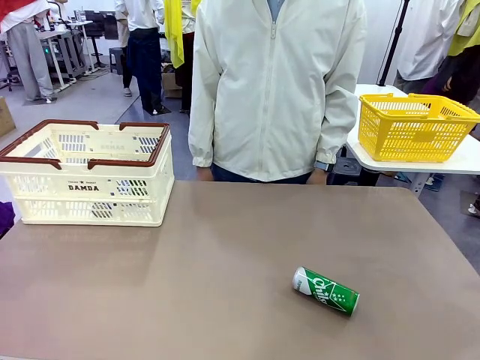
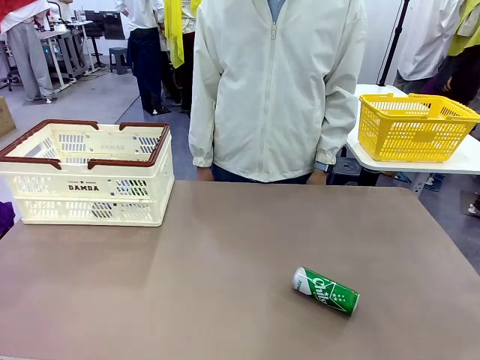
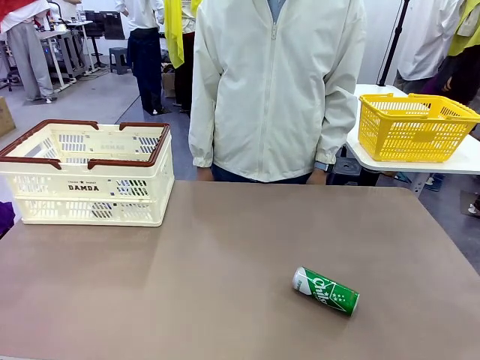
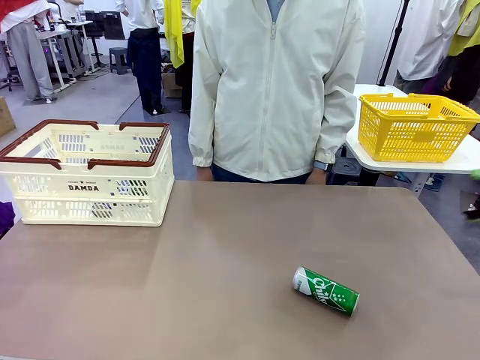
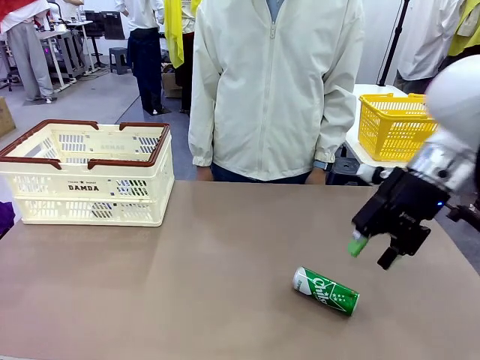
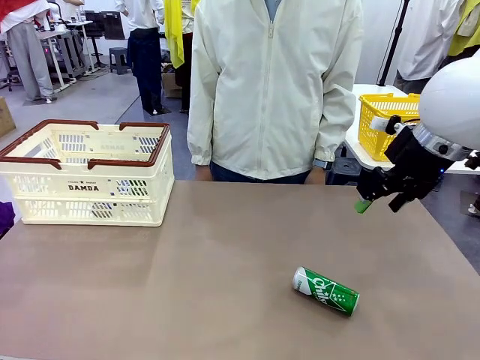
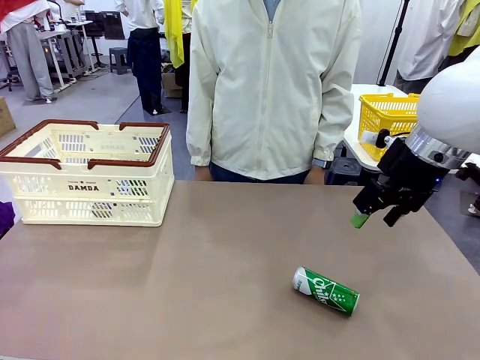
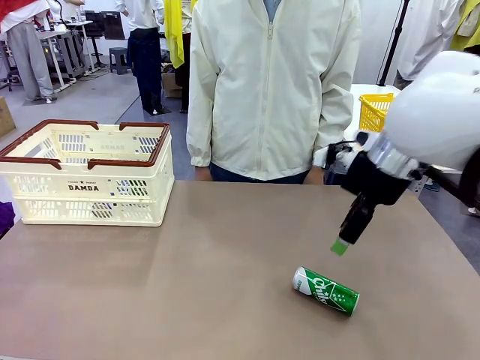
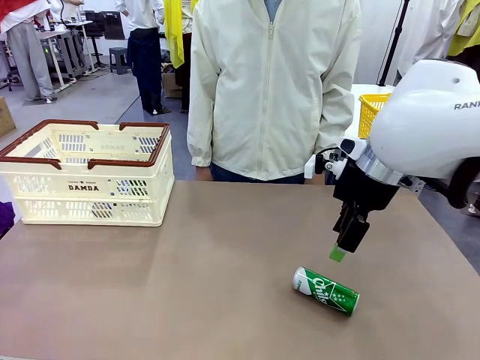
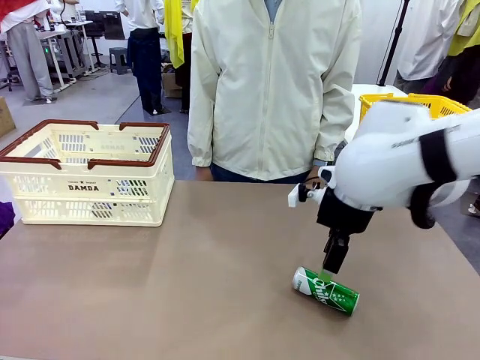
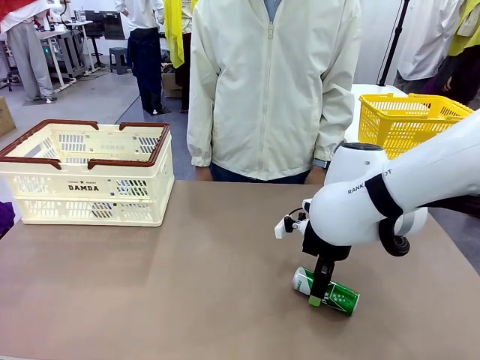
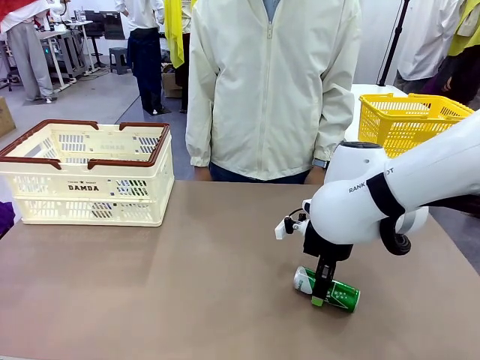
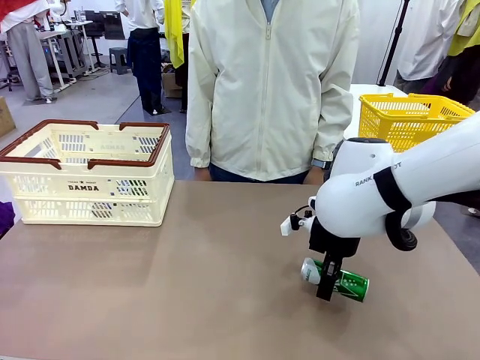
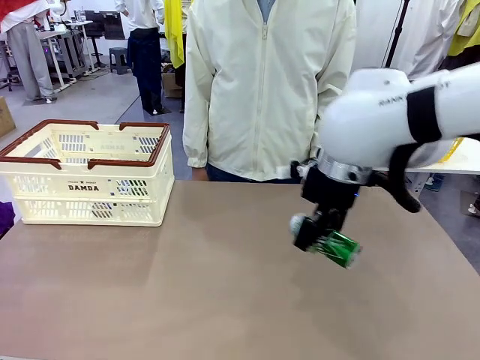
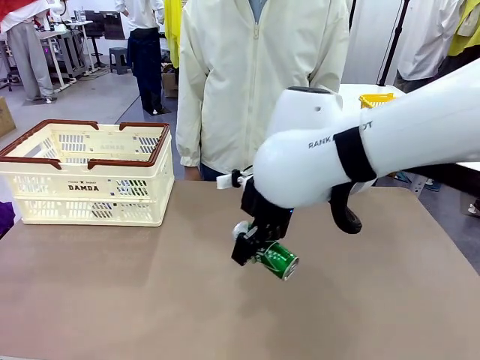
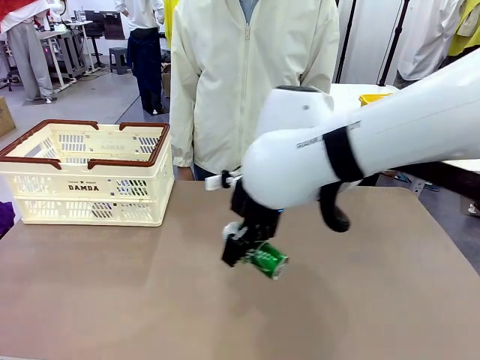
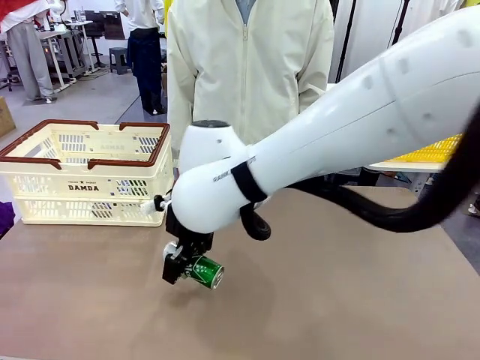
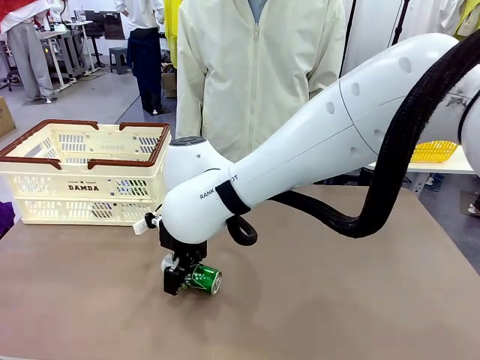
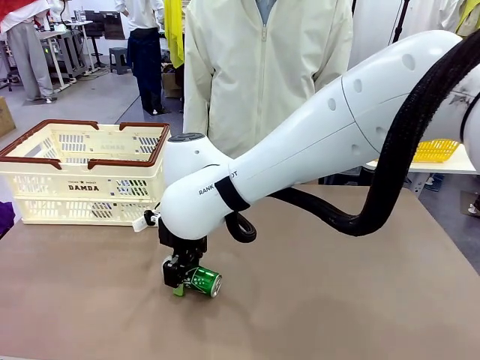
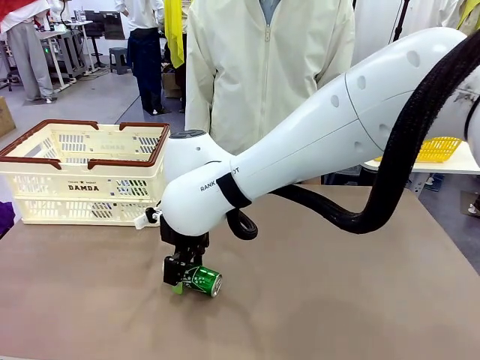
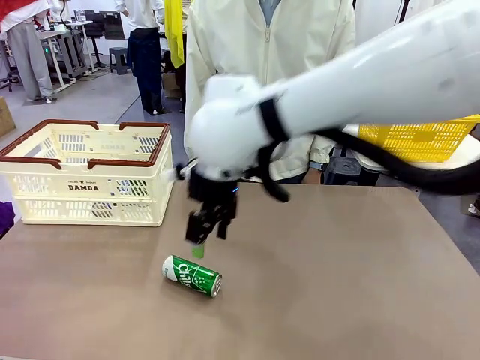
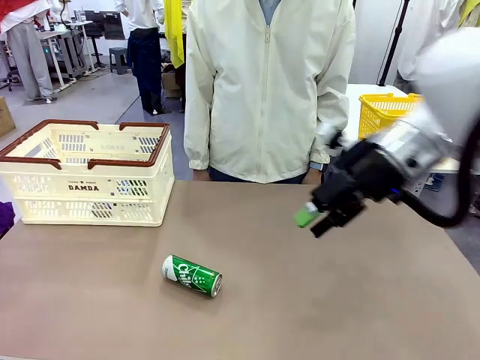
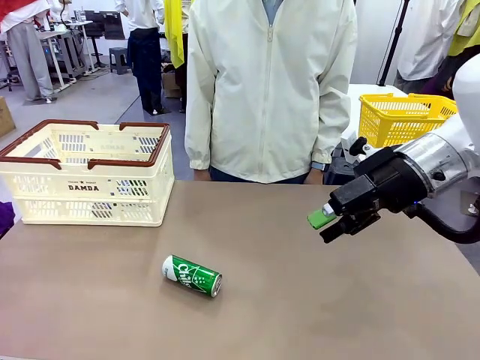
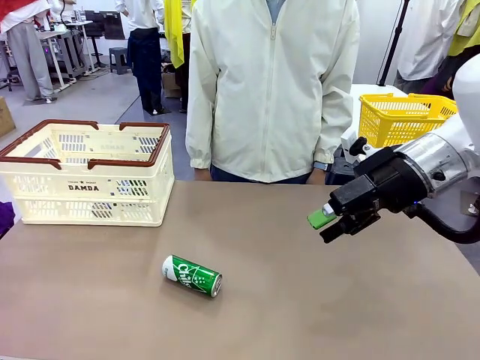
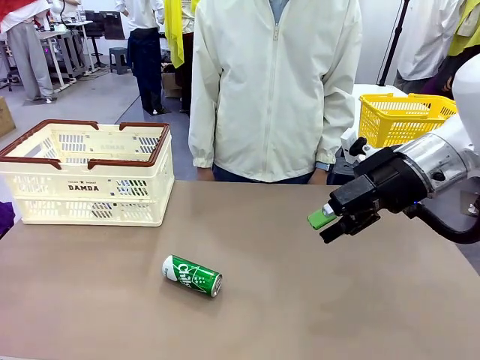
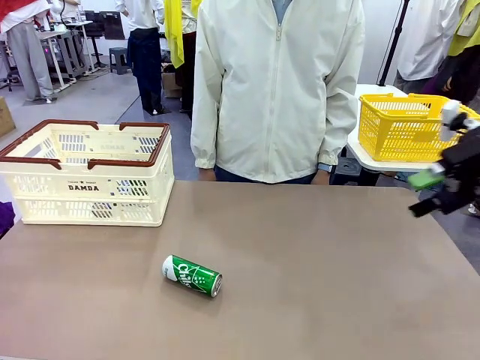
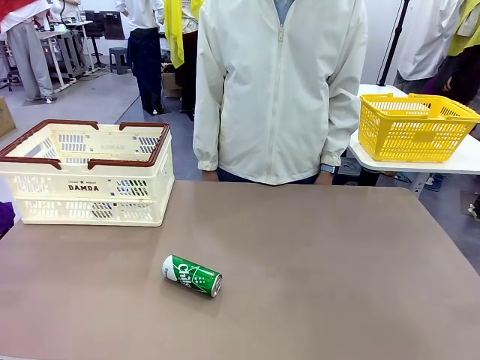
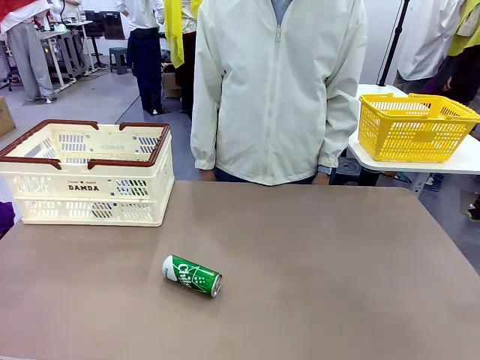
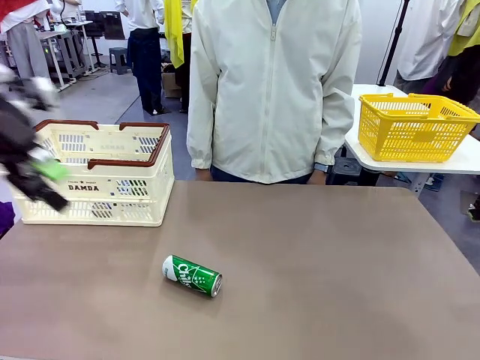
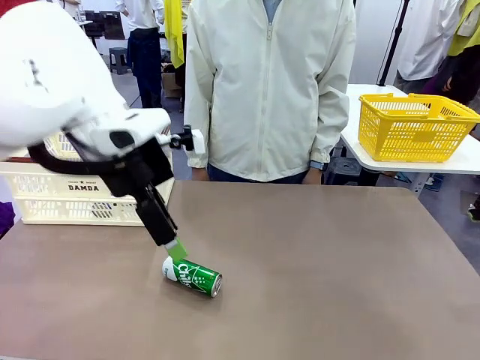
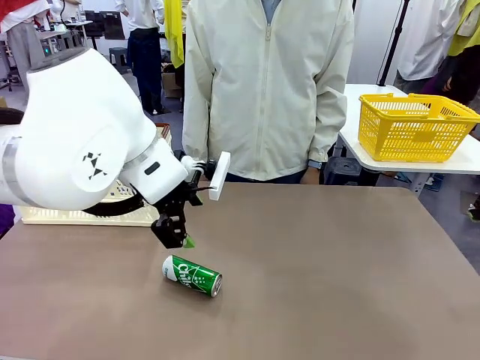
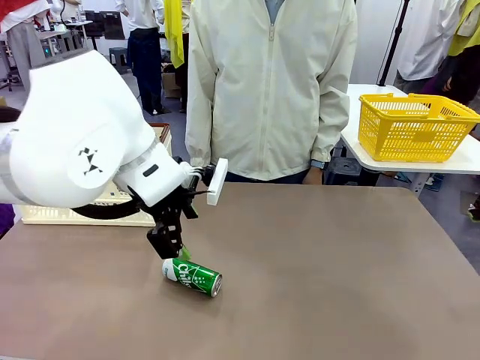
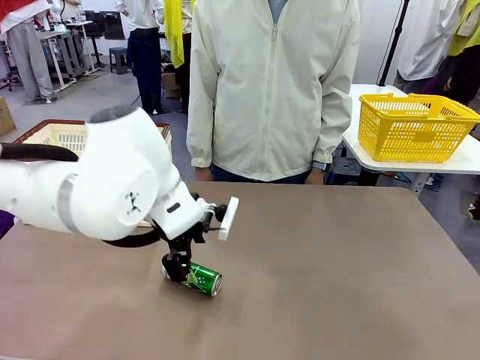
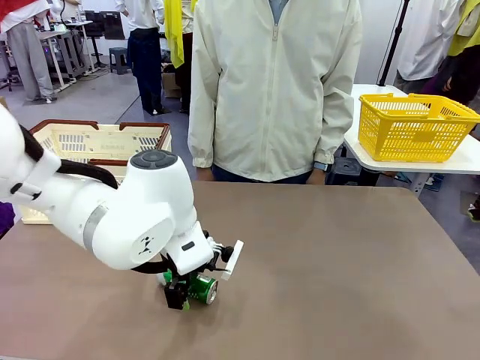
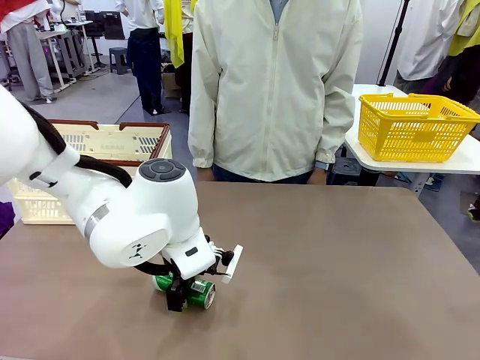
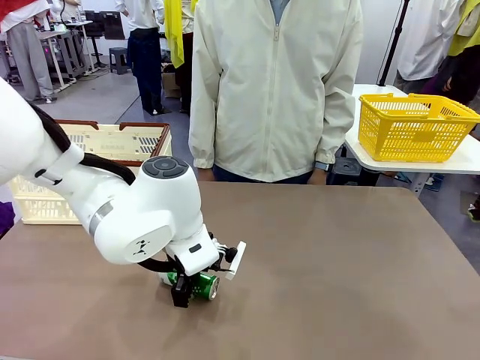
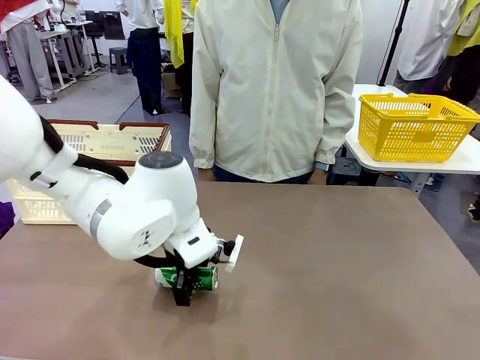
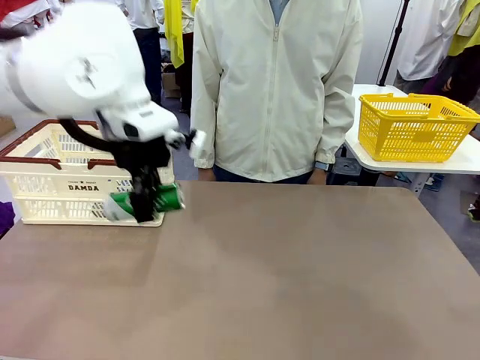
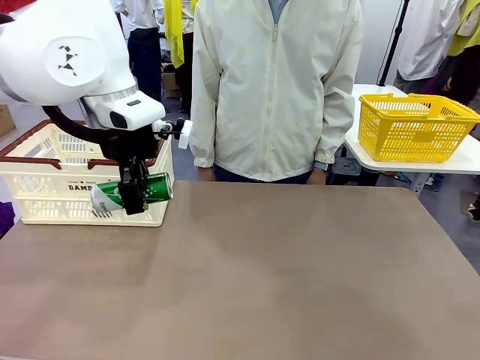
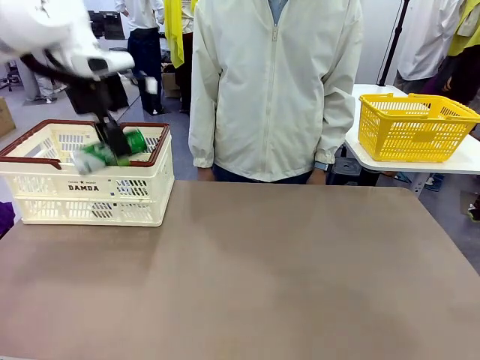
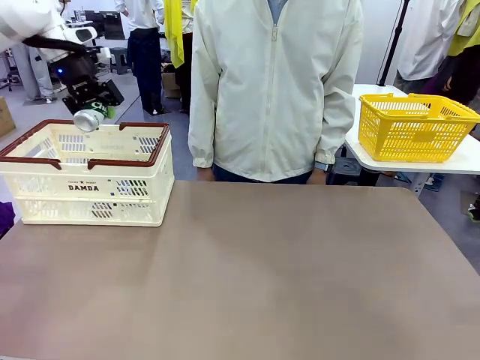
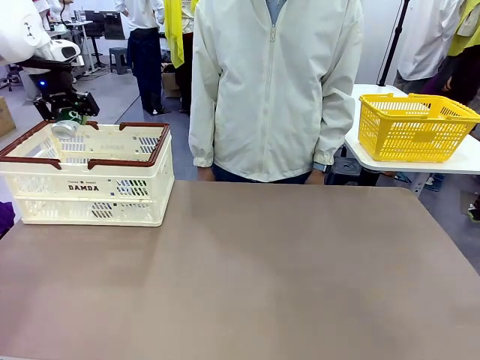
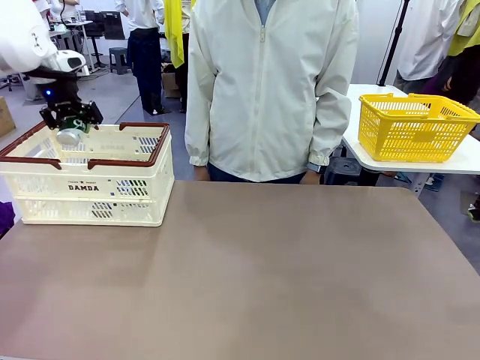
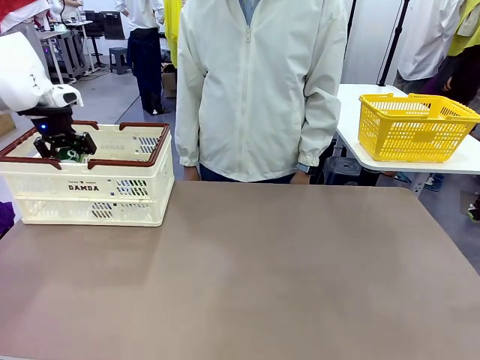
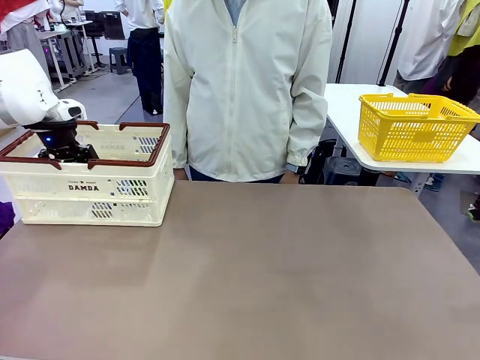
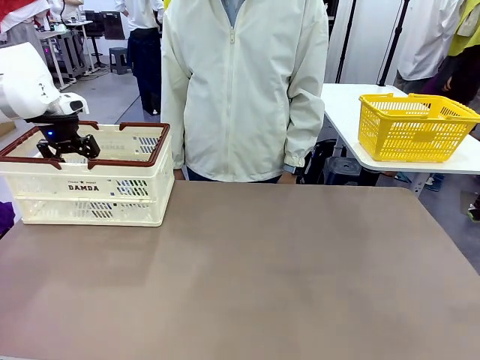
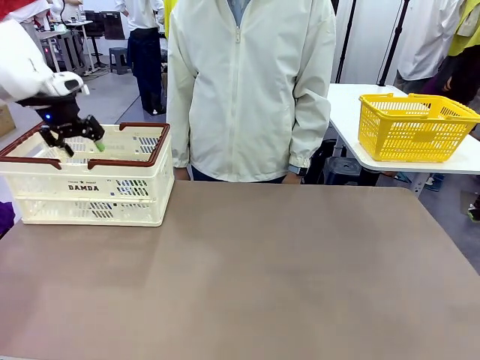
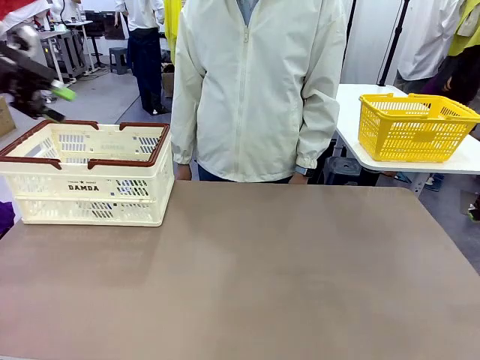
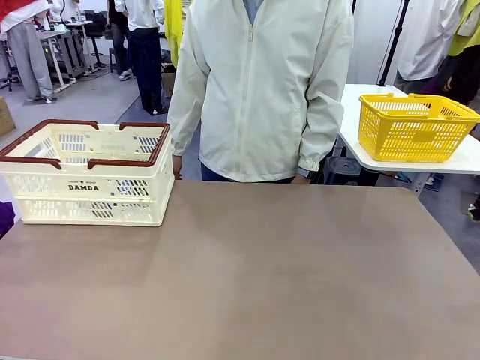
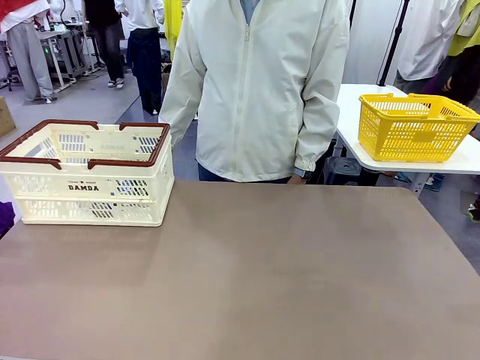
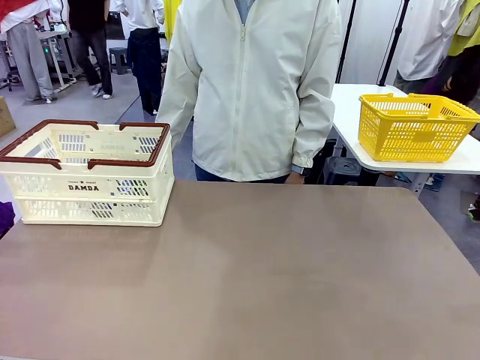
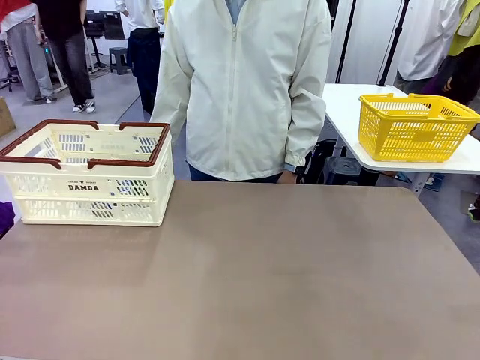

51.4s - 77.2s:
Task: Place the drinks into the Shopping basket.
Robot: Pick up one drink and place it into the Shopping basket.
